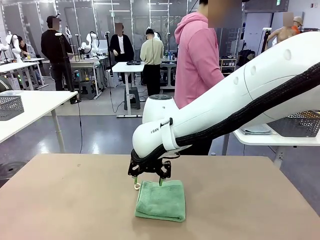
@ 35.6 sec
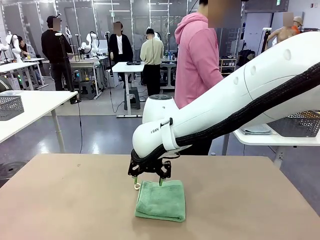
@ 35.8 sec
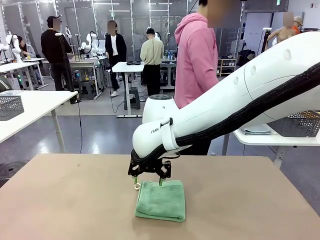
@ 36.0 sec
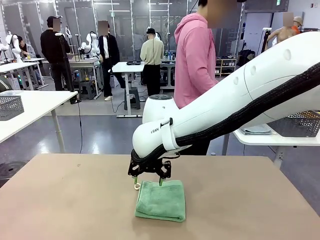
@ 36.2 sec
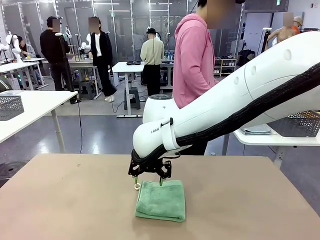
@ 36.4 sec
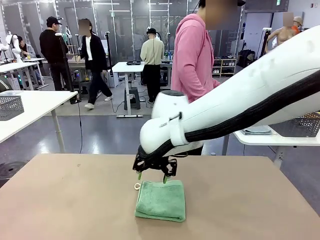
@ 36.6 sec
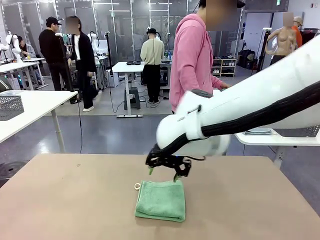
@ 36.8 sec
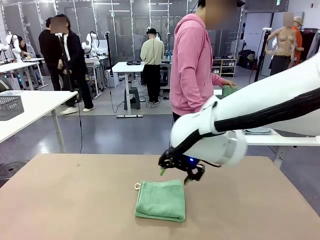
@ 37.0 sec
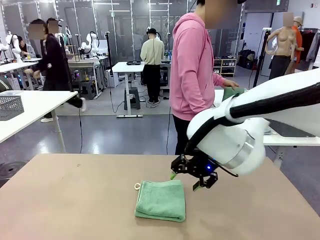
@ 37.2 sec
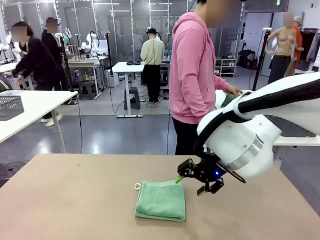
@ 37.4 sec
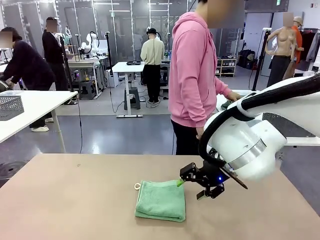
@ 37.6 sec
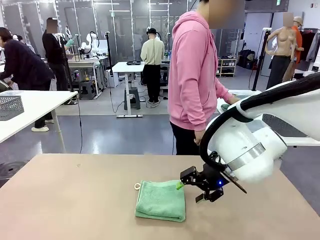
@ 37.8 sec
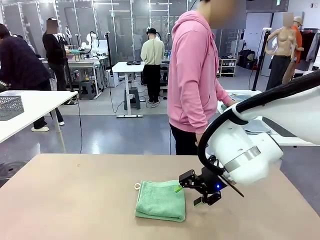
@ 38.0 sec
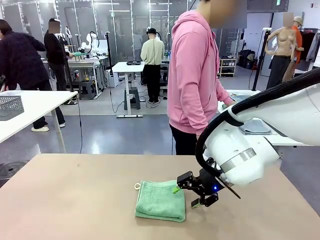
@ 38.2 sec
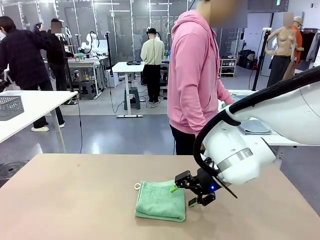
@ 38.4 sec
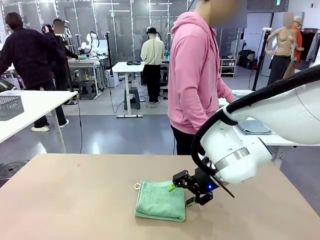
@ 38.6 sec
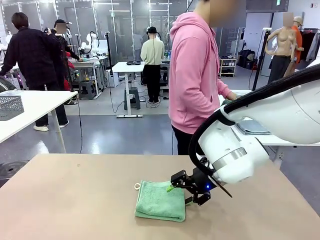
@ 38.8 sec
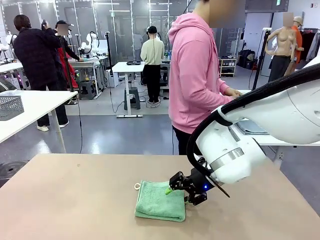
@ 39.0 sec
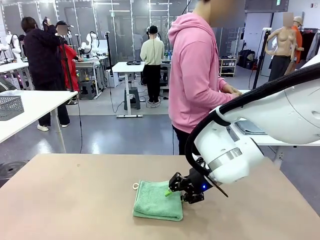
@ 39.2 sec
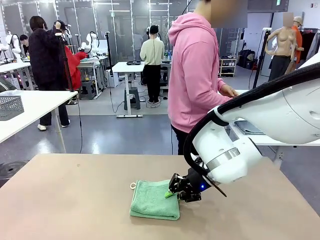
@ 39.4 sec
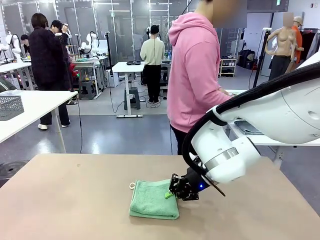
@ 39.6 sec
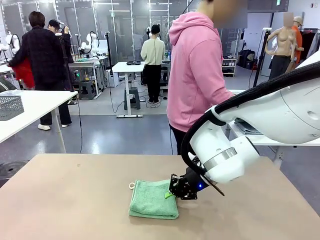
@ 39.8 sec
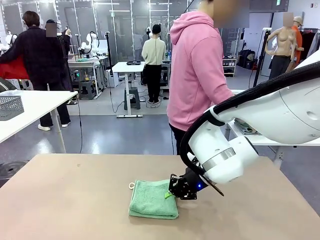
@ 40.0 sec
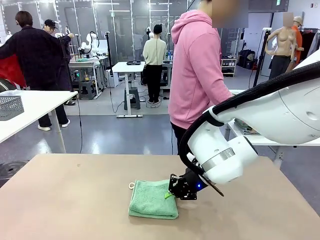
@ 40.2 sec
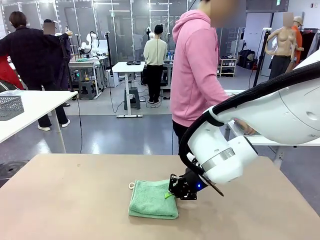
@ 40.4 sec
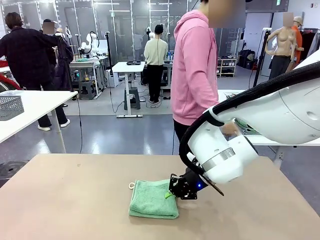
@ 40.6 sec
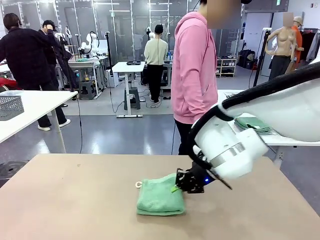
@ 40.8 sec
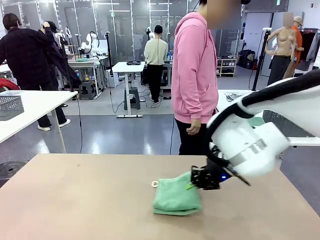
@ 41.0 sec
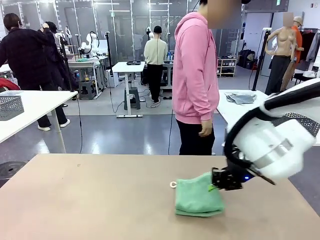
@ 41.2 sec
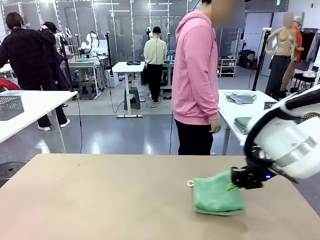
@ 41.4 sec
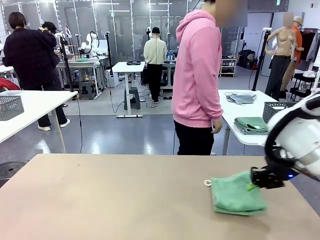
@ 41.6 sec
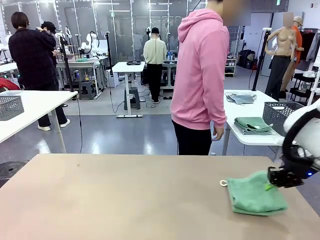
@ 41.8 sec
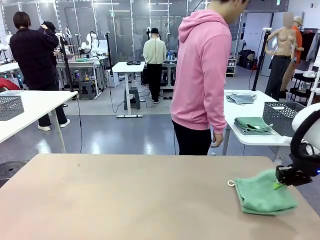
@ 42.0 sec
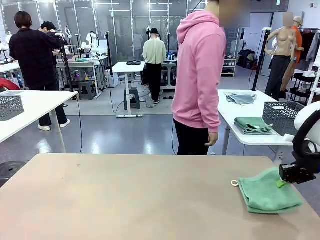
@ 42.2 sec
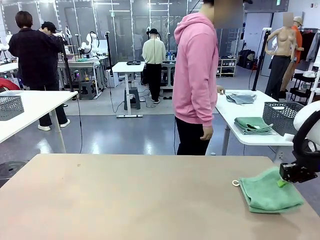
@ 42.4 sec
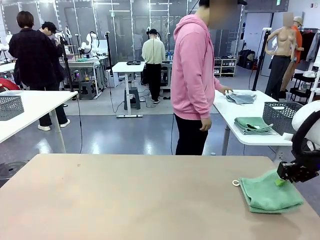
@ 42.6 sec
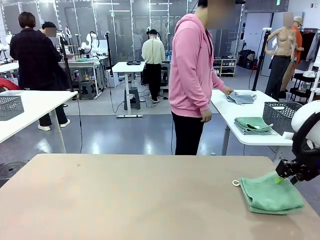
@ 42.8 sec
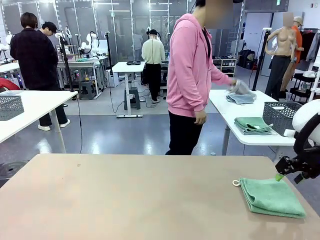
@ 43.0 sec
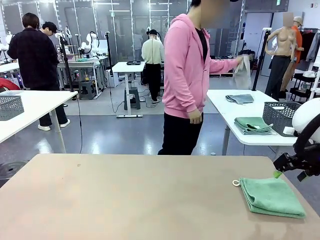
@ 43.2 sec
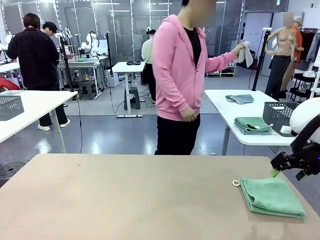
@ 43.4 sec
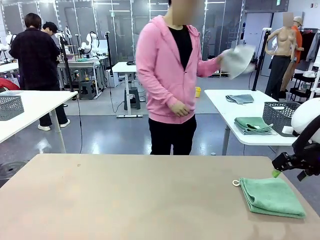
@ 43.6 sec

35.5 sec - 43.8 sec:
Task: Fold the towels and place them in the basket.
Robot: Place the folded Towel with hook on the right side of the table.

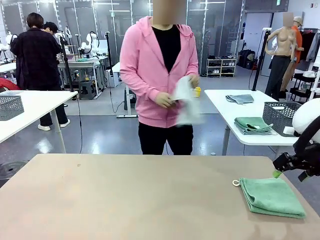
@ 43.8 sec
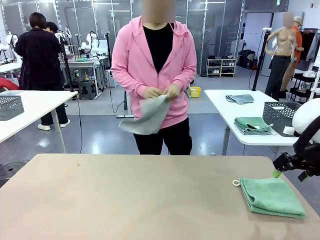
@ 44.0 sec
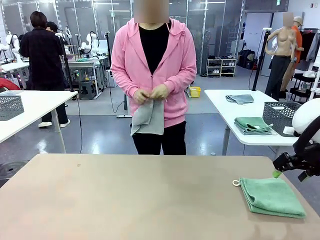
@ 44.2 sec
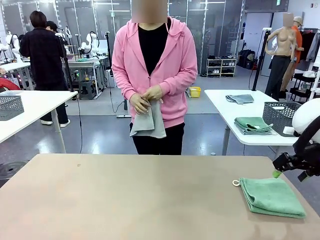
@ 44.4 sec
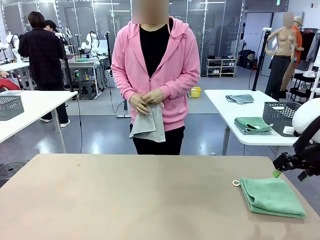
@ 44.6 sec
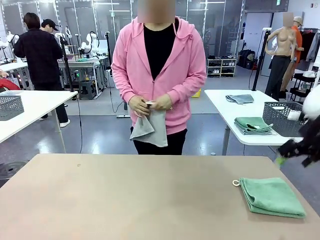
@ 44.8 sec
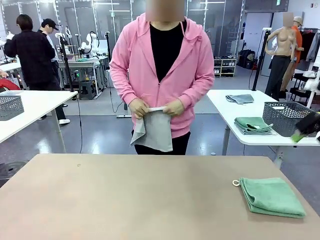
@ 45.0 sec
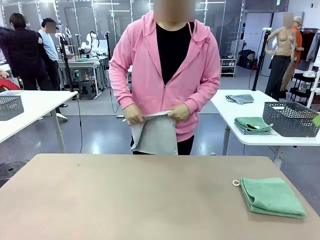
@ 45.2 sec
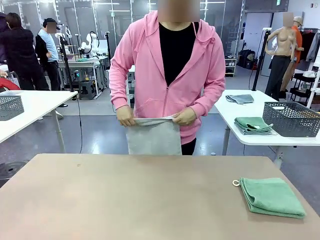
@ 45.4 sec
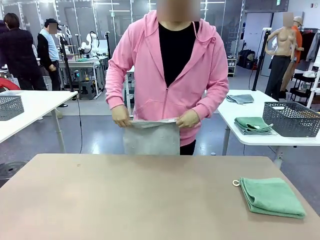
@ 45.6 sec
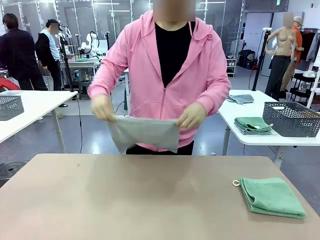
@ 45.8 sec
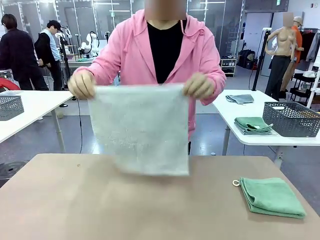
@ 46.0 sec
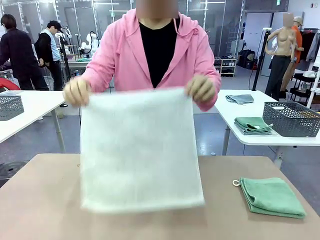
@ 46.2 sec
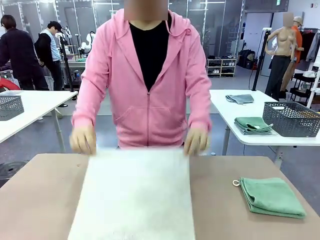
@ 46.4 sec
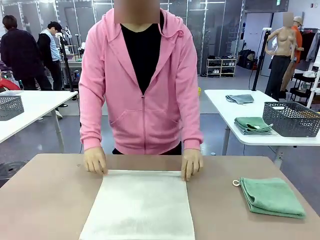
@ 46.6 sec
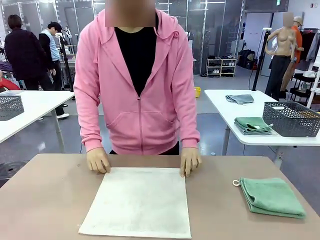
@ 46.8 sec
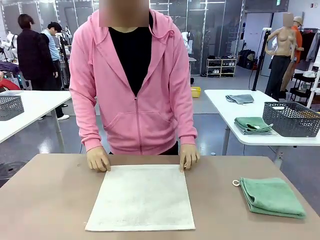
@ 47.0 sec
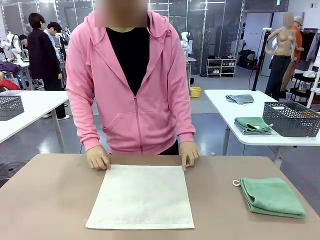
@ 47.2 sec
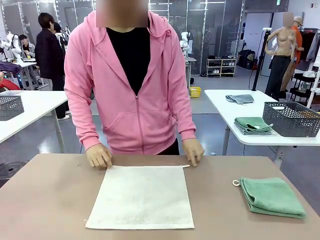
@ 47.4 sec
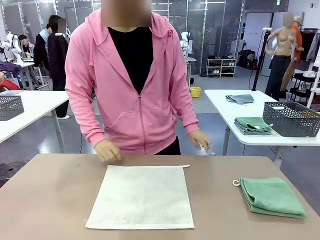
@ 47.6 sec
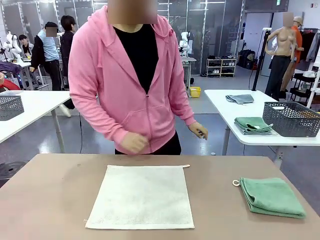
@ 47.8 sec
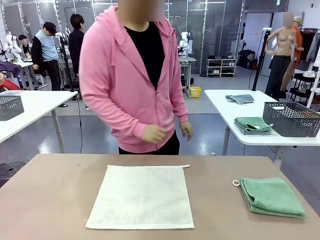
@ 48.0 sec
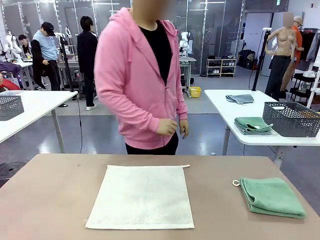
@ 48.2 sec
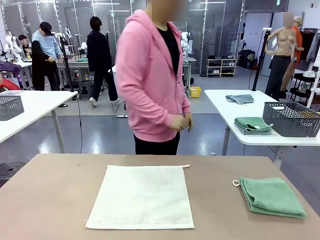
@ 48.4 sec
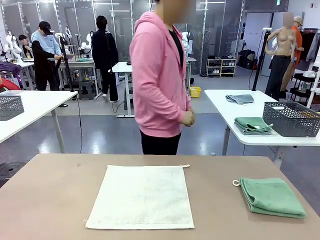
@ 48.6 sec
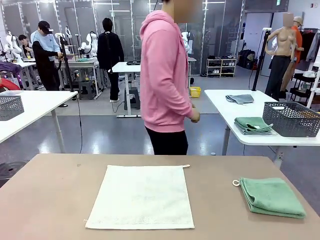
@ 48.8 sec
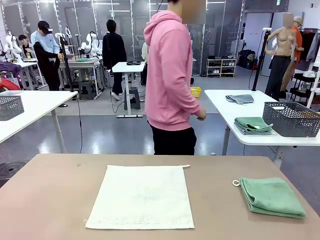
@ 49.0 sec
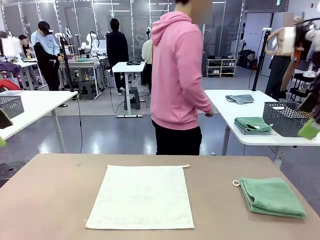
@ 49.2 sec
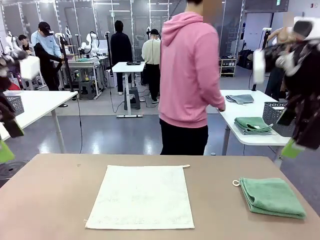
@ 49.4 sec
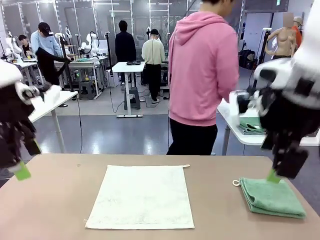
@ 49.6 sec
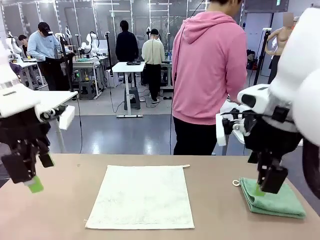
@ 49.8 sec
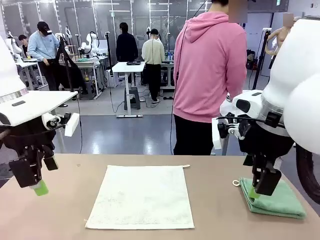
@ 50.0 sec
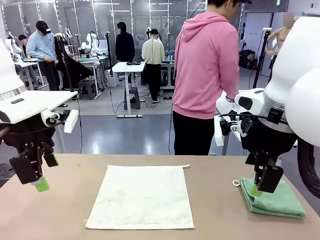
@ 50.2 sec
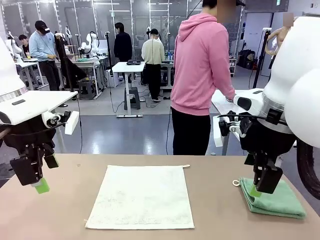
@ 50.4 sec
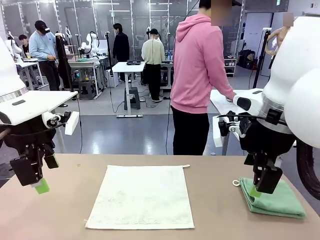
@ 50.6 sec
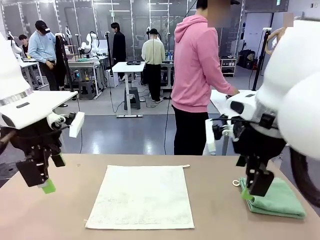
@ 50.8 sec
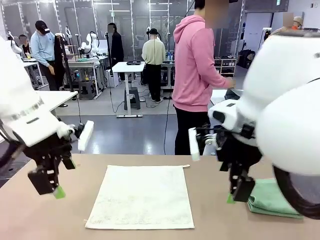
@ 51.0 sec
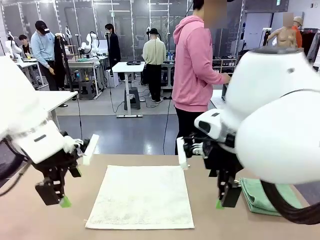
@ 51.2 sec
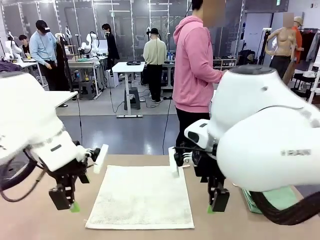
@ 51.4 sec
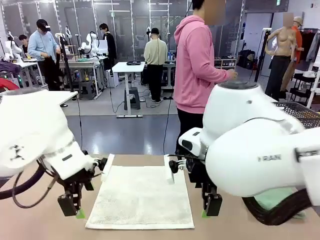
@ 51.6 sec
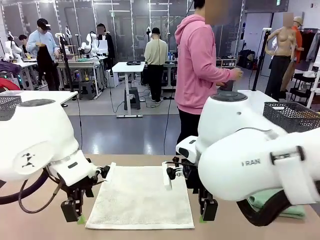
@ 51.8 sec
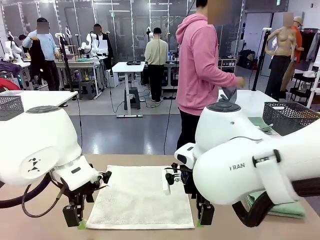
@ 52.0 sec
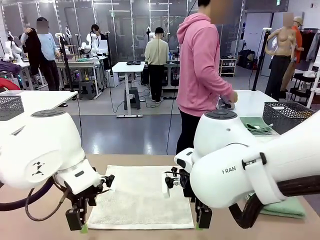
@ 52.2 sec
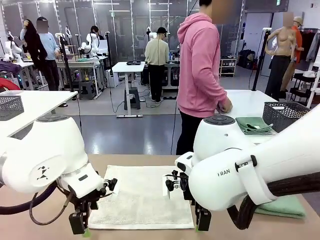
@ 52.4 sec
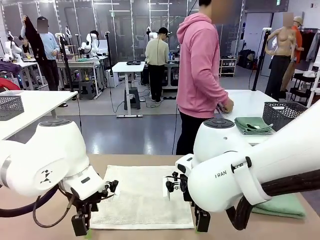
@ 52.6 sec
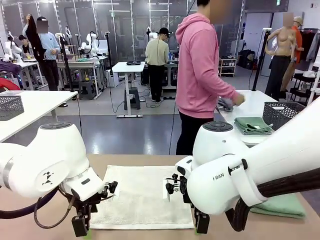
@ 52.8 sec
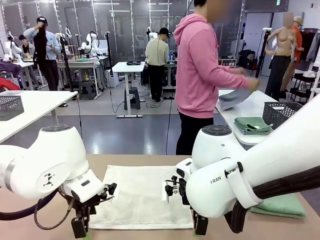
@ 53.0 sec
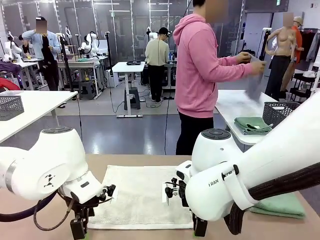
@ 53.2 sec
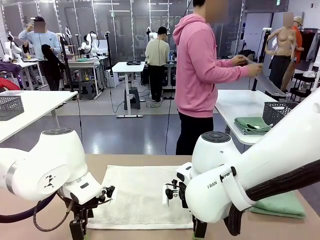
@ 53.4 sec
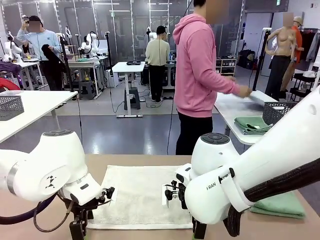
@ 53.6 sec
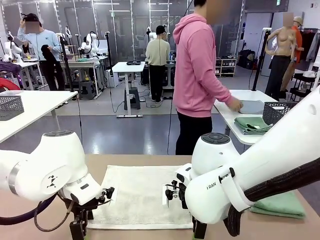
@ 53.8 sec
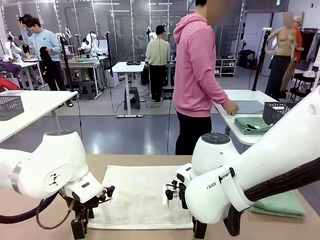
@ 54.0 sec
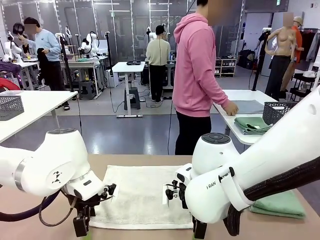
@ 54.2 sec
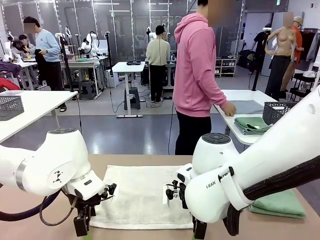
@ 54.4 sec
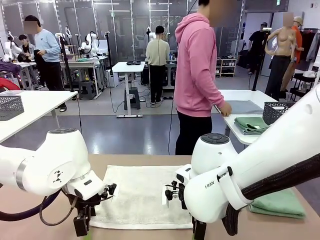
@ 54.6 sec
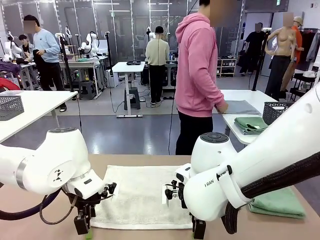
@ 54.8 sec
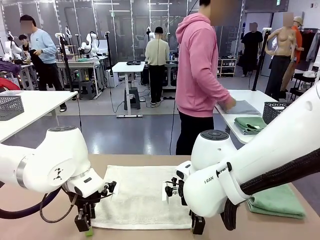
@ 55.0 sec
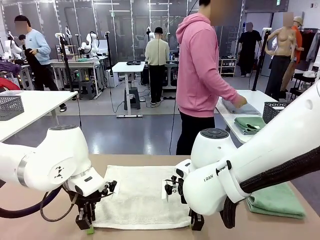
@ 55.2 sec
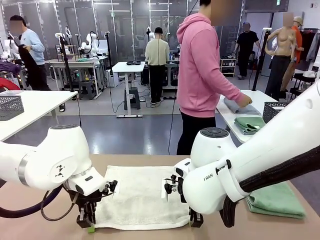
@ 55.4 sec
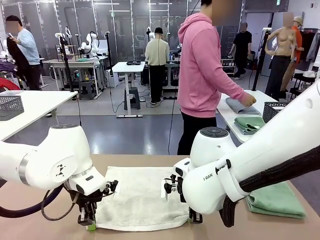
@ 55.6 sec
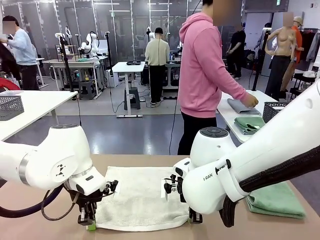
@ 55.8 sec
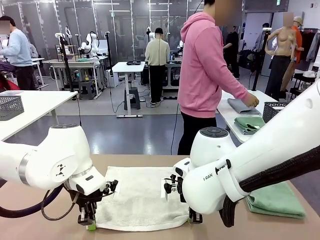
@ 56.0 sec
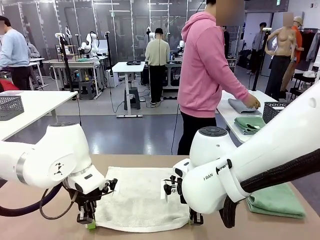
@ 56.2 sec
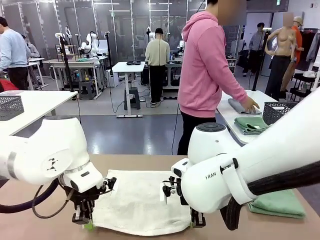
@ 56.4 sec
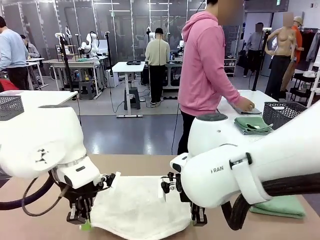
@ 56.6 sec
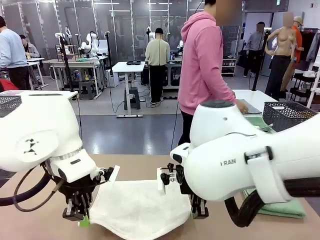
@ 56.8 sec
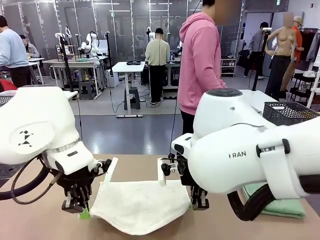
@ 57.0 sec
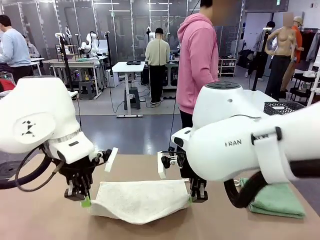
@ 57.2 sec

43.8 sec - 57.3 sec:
Robot: When a person lays out a Towel with hook on the table, fold it in half twice.
Person: Pick up one towel from the left side of the human table and spread it out at the center of the robot table. Pick up one towel from the left side of the human table, fold it in half twice, and stack it on the right side of the table.
